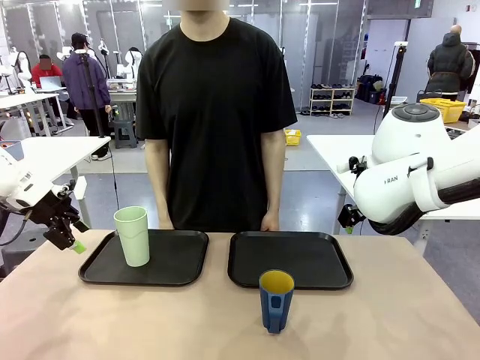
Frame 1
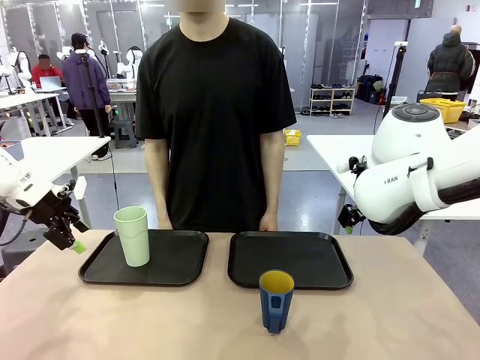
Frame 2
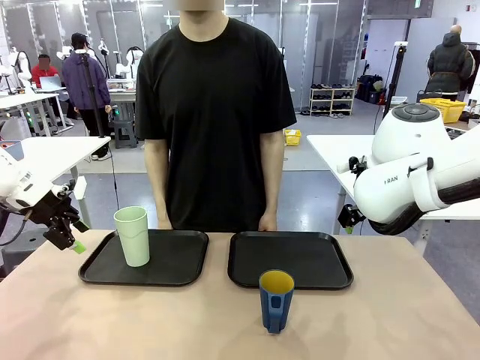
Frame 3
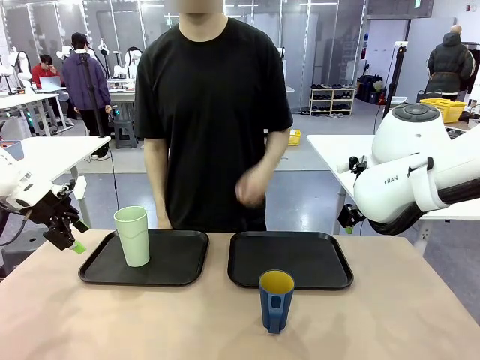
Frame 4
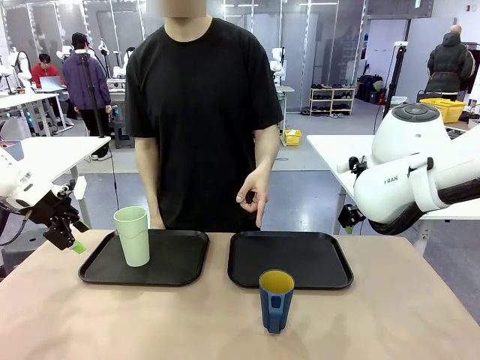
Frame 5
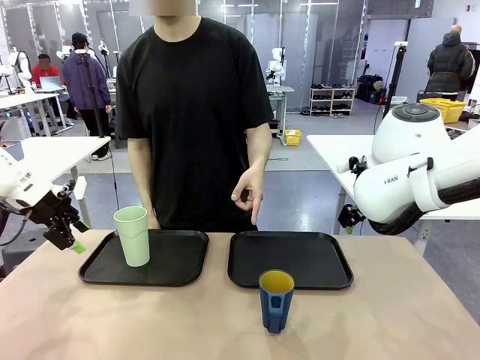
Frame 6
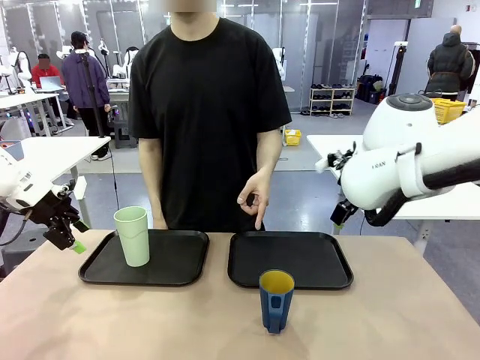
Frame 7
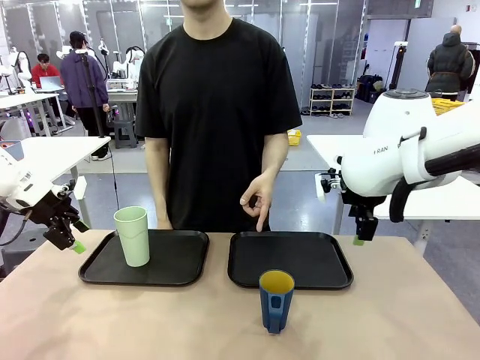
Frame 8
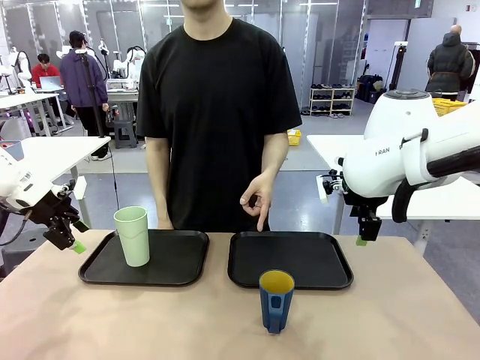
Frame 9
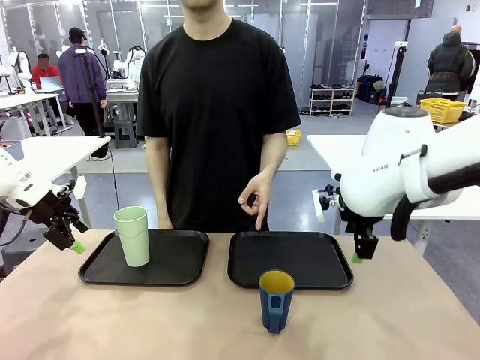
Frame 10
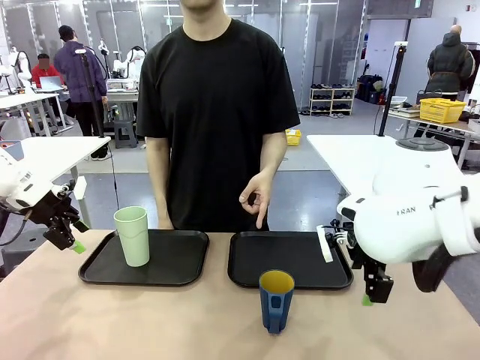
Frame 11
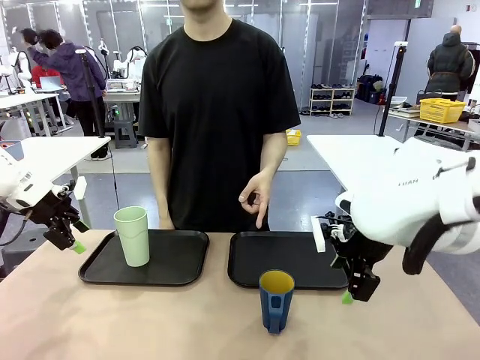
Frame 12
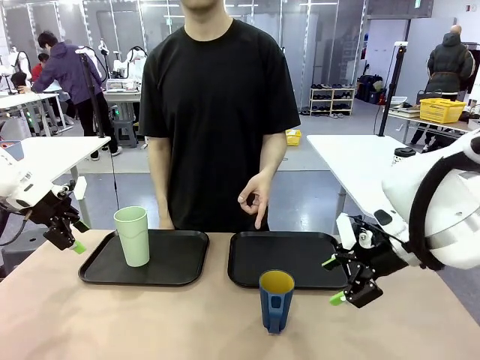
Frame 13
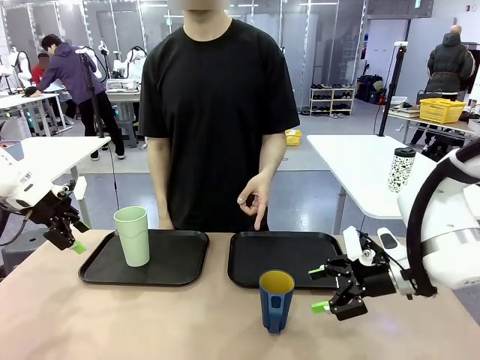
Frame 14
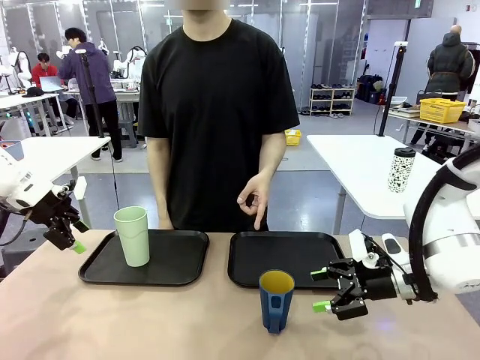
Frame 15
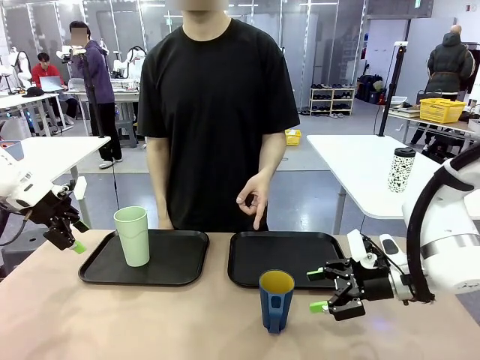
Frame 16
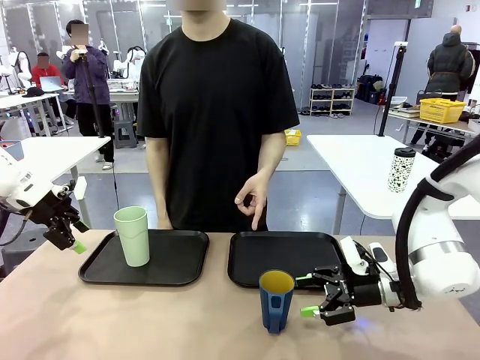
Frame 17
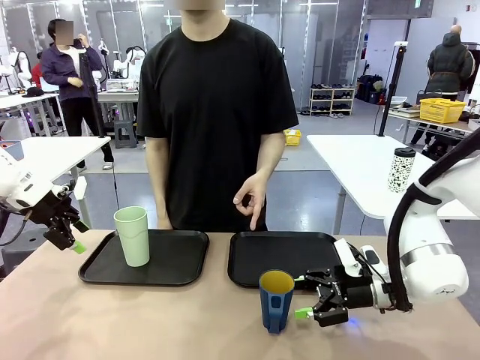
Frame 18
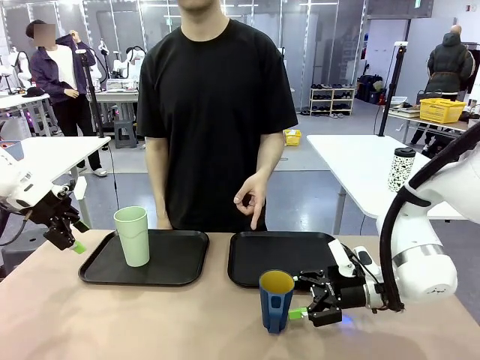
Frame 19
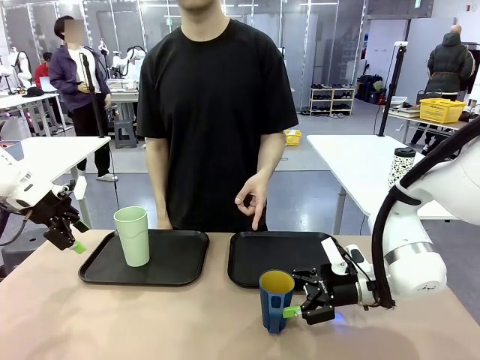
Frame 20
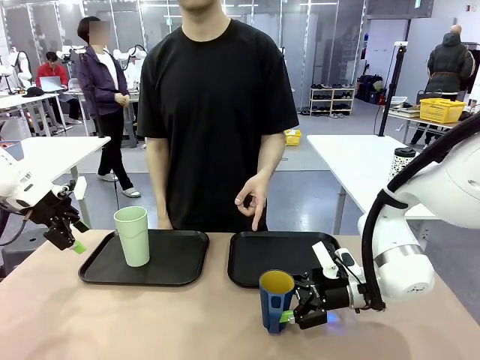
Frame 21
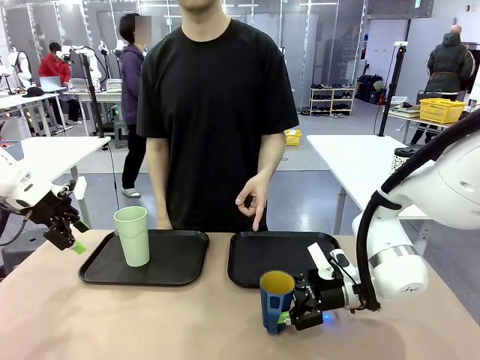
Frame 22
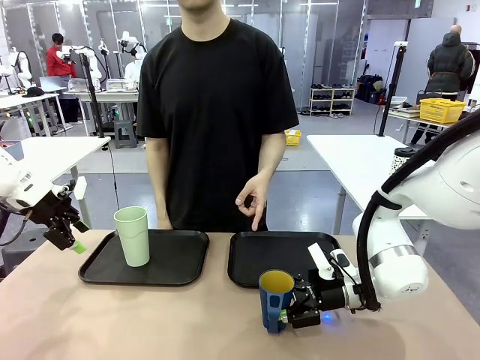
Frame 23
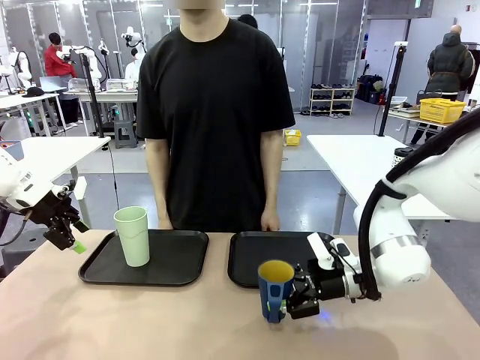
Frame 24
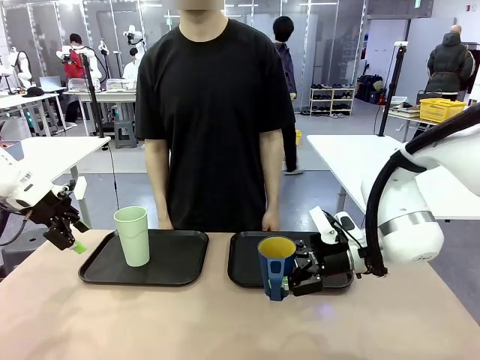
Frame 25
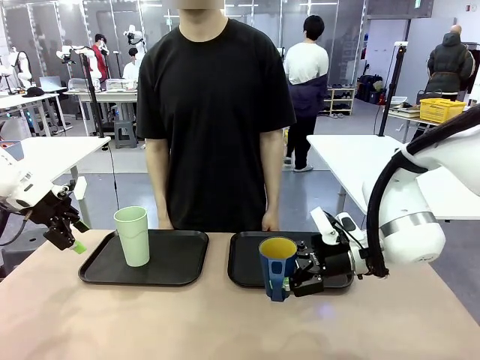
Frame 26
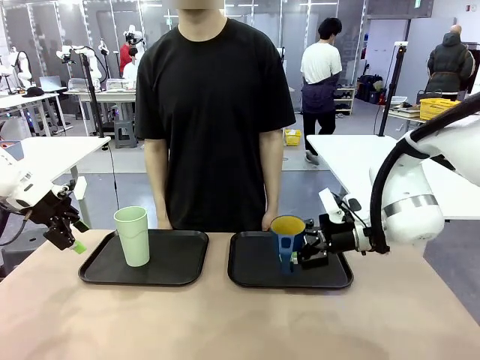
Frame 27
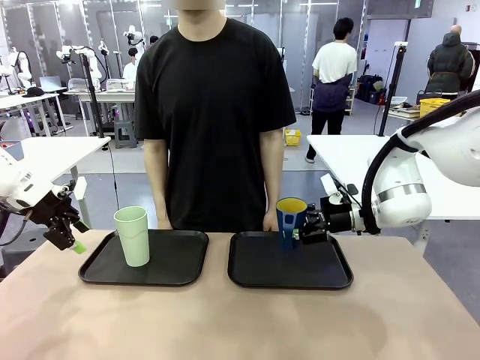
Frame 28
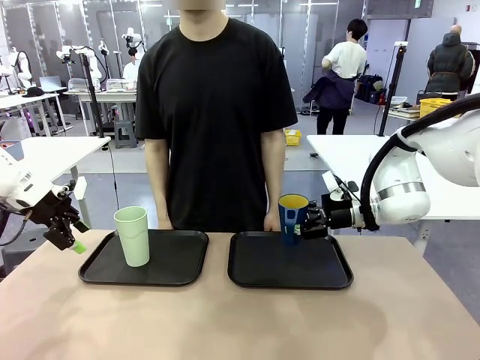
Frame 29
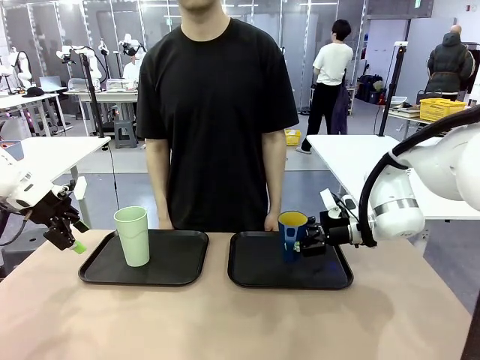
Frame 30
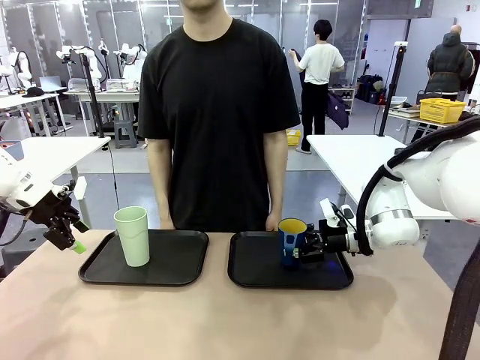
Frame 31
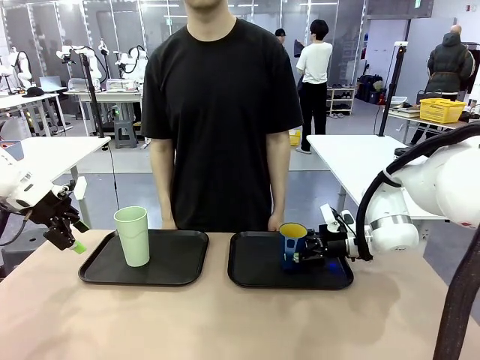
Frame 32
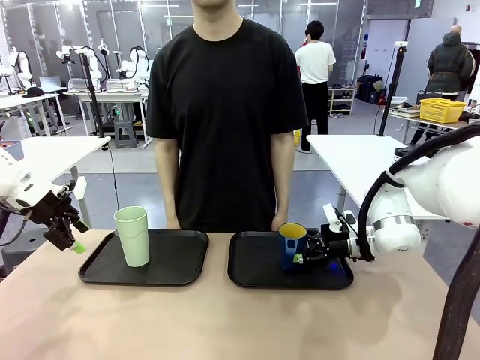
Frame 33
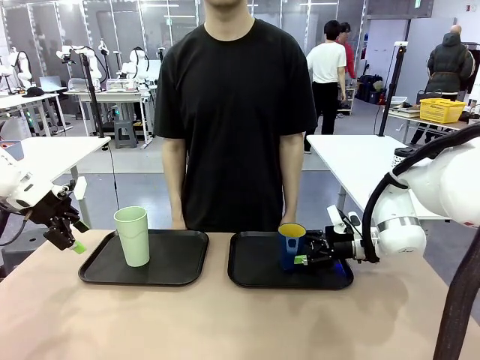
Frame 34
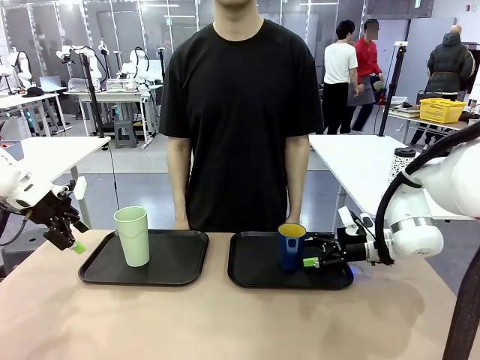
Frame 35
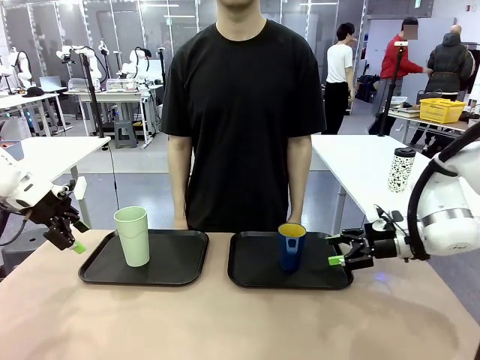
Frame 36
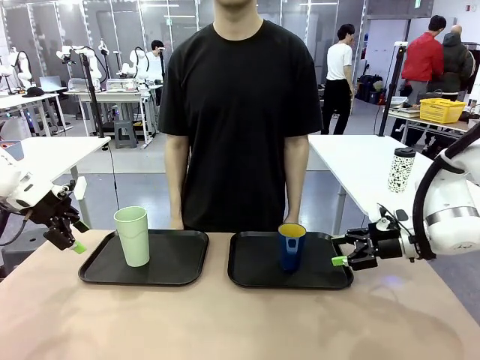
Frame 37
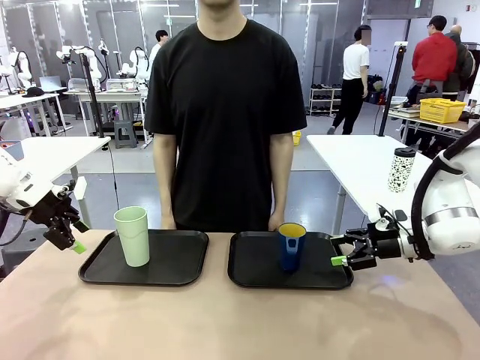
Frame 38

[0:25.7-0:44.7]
Task: Sort and store the cups by type.
Robot: Pick up the Handle plastic cup and place it into the empty Flat Tray.
Person: Points to the cup with a handle.

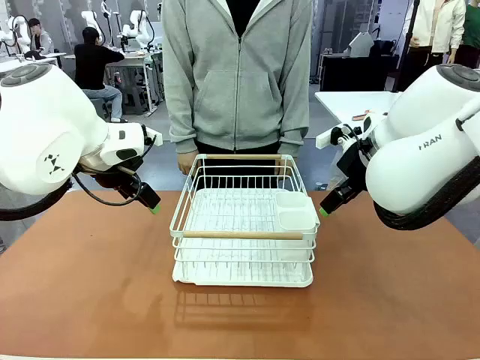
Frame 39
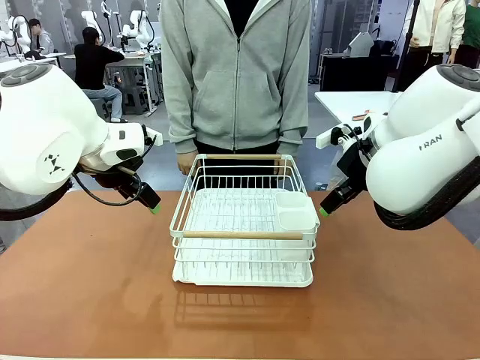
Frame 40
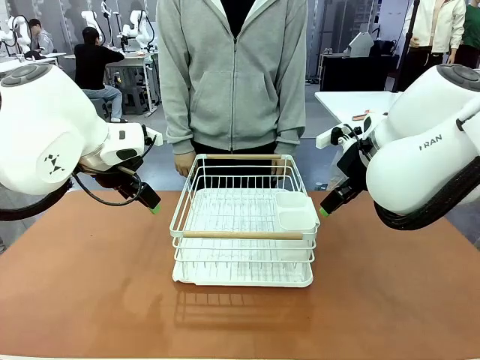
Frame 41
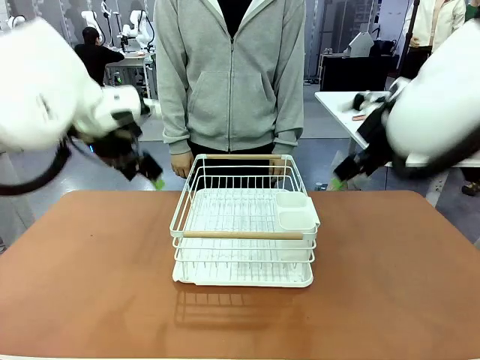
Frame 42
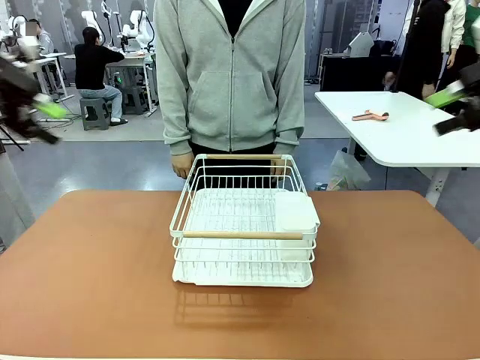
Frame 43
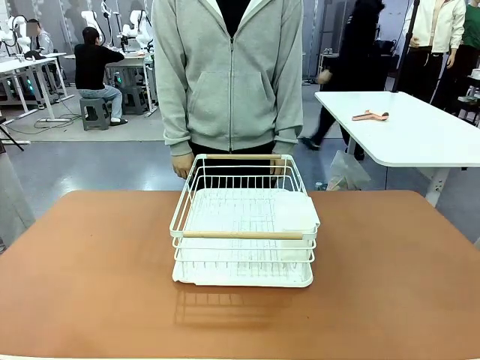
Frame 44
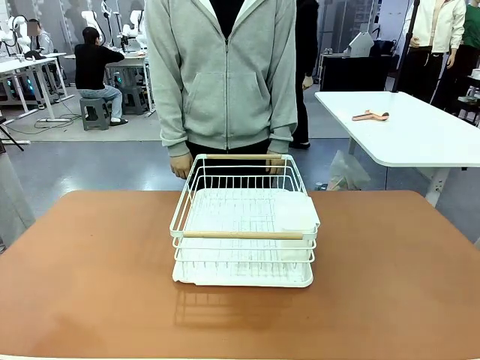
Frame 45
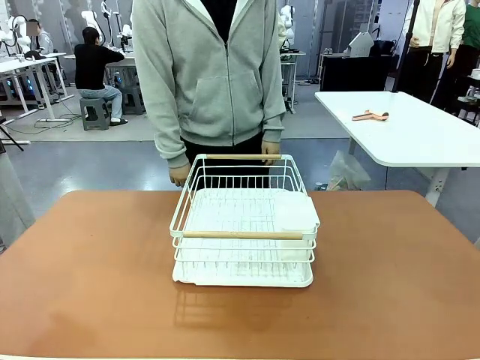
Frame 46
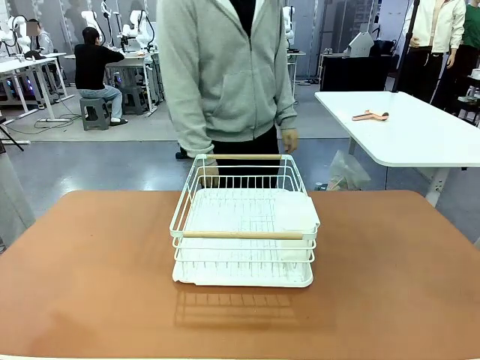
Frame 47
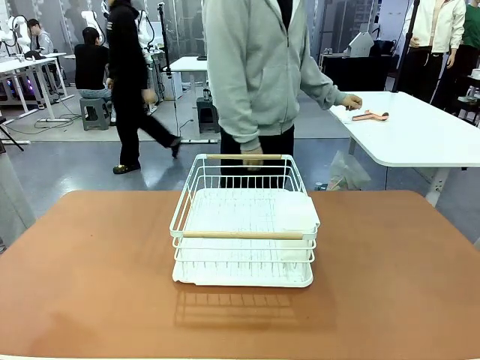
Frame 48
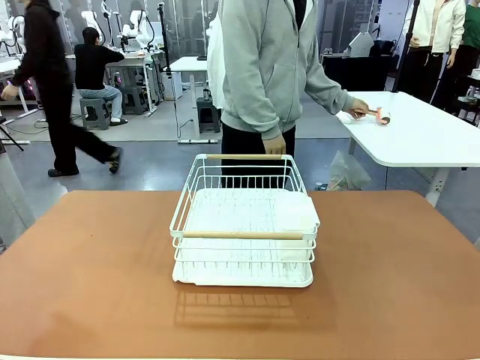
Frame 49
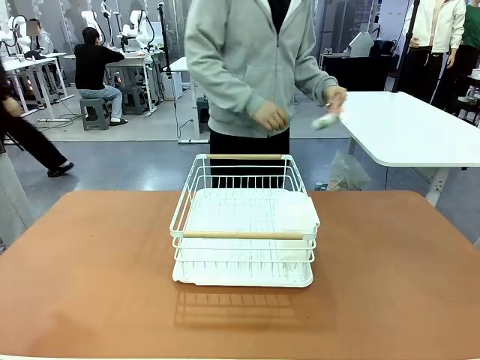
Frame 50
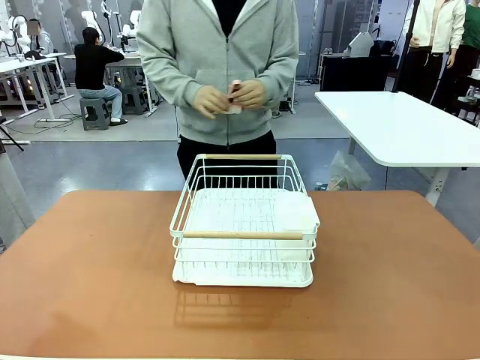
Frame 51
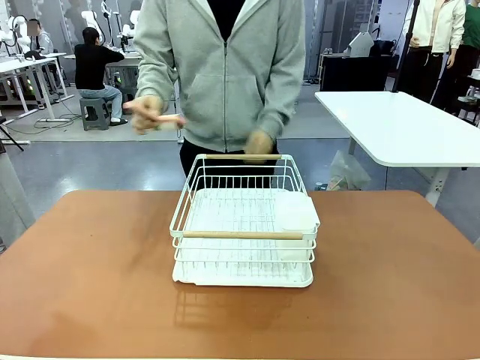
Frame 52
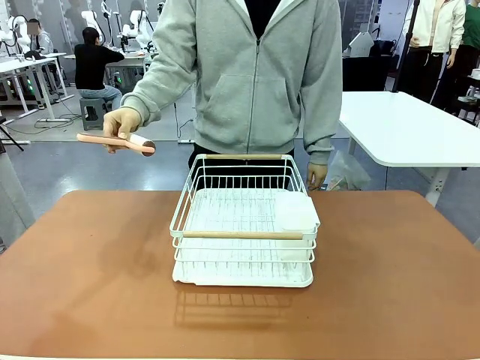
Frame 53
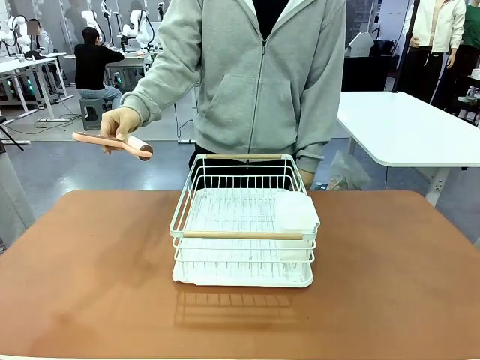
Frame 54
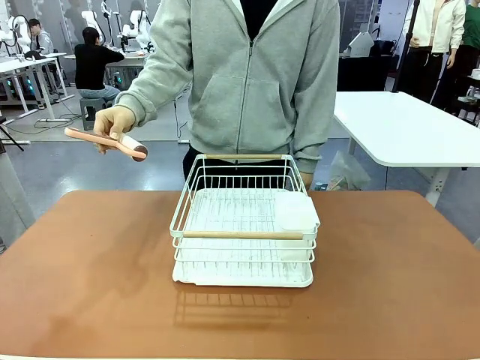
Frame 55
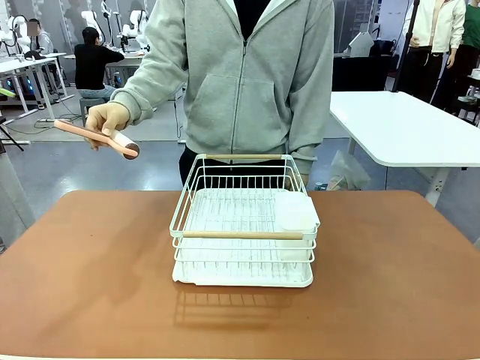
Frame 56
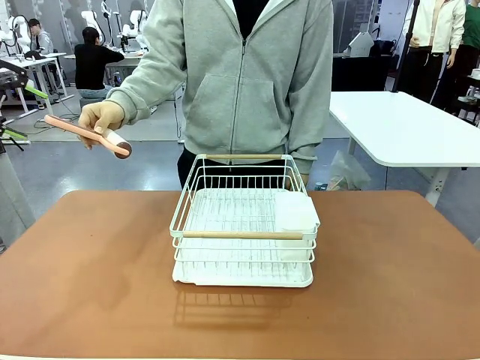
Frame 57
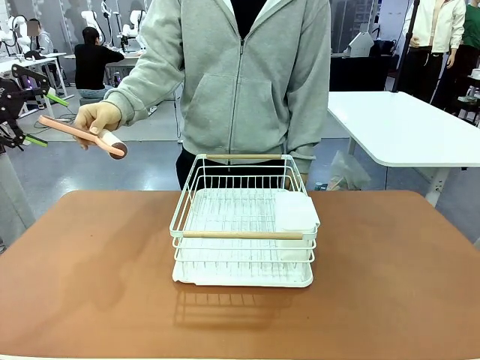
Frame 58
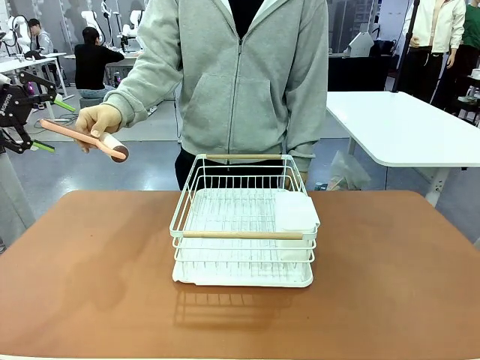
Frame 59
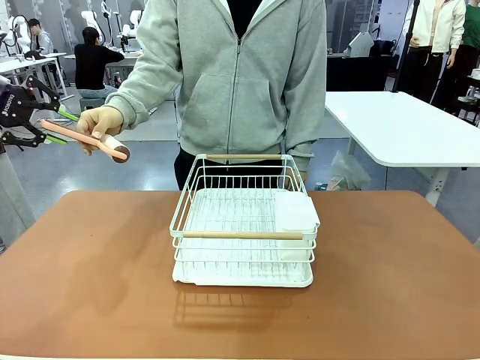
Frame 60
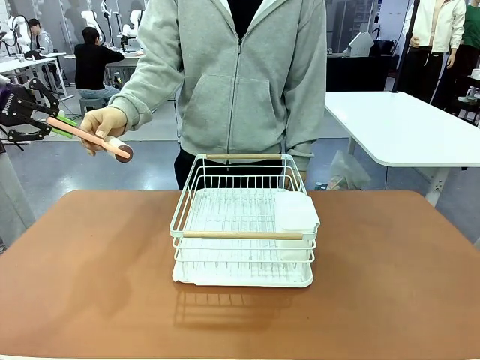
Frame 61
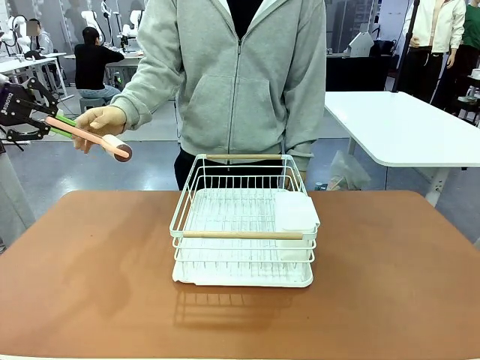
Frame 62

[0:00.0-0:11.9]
Task: Clean the table.
Robot: Pick up the Lint Roller when the human hands it over.
Person: Hand the Lint Roller to the robot so it can easily pick it up. Lift the Dish drying rack.
